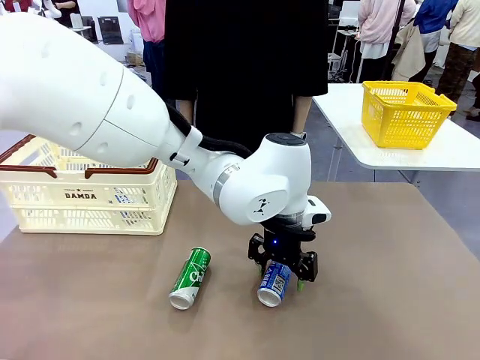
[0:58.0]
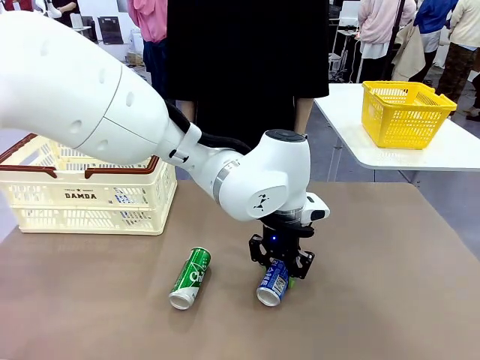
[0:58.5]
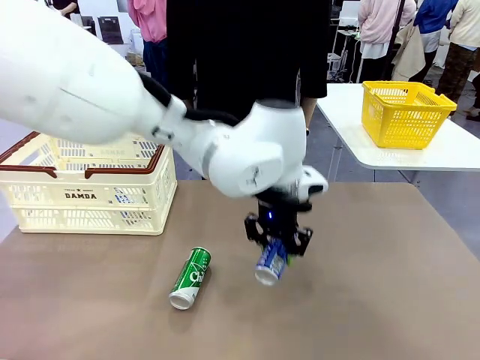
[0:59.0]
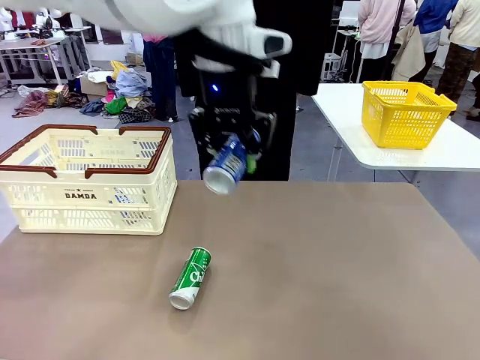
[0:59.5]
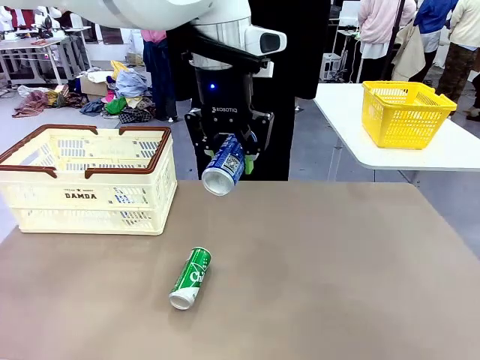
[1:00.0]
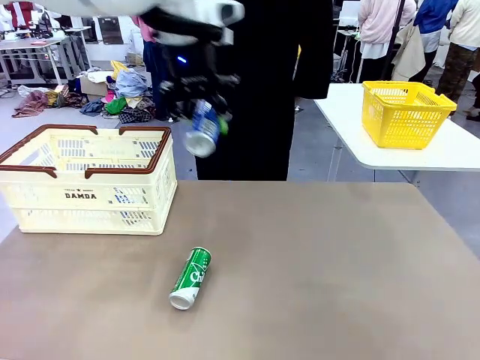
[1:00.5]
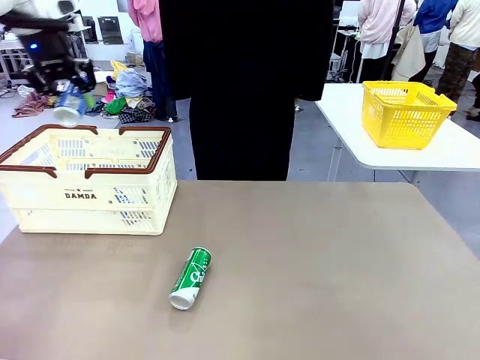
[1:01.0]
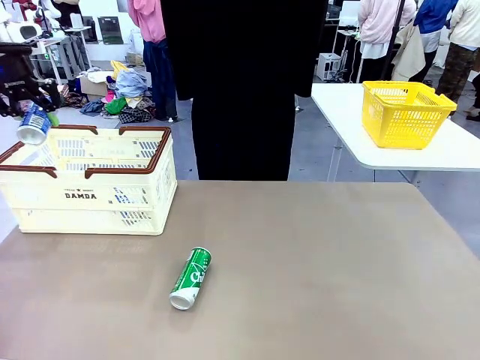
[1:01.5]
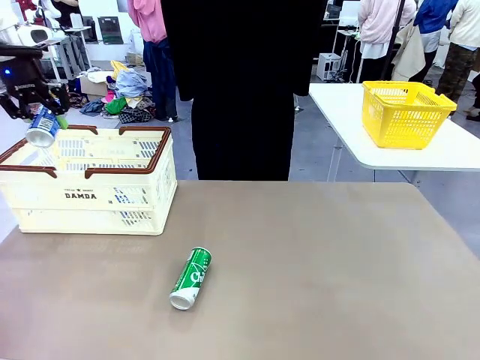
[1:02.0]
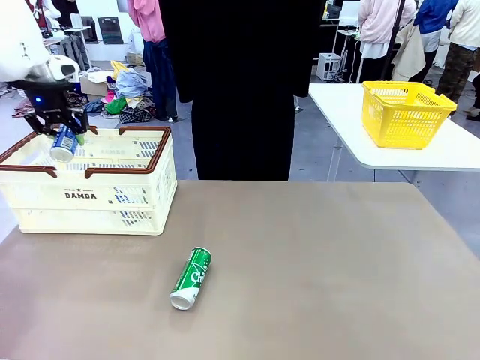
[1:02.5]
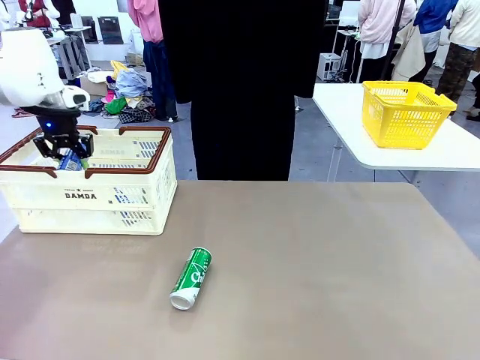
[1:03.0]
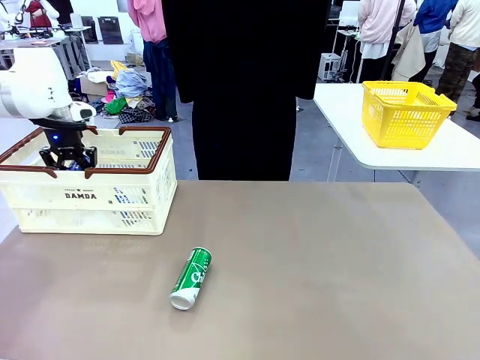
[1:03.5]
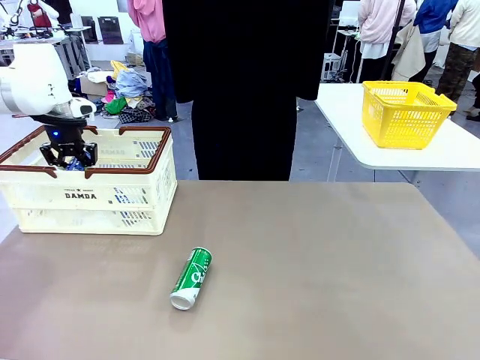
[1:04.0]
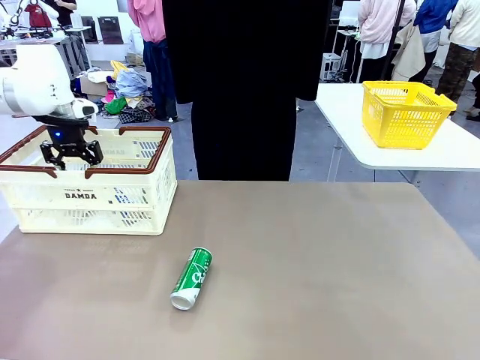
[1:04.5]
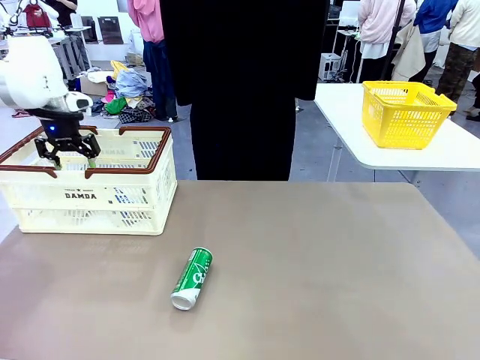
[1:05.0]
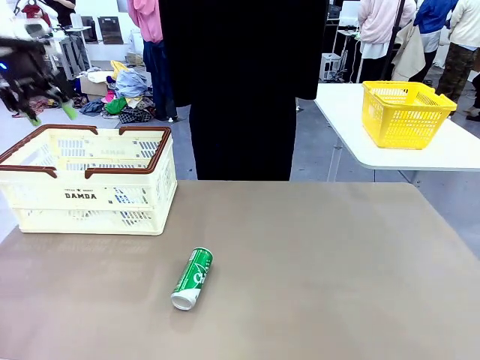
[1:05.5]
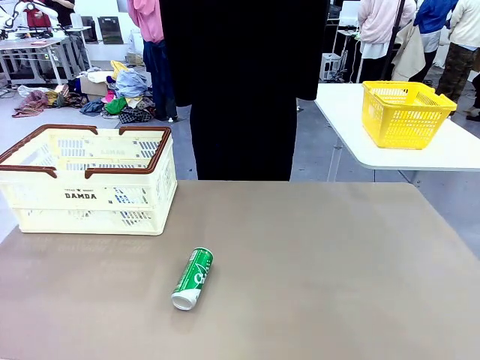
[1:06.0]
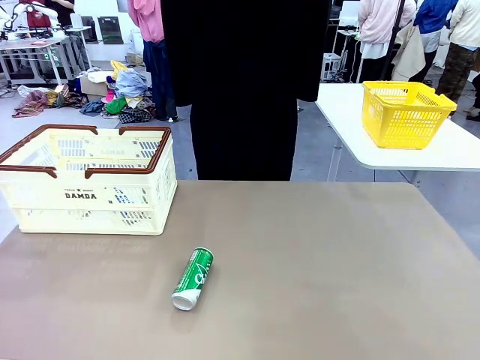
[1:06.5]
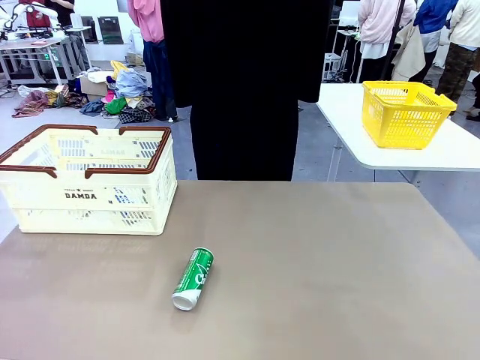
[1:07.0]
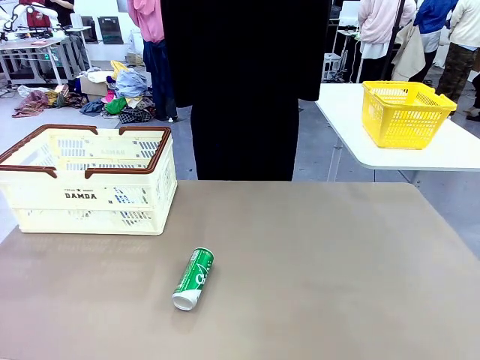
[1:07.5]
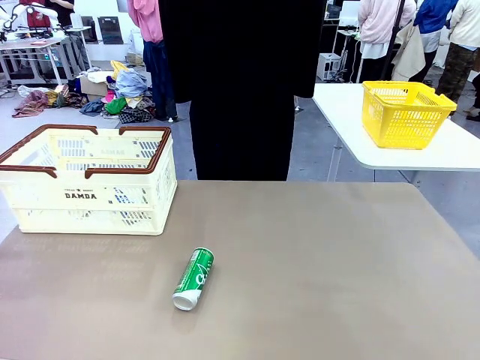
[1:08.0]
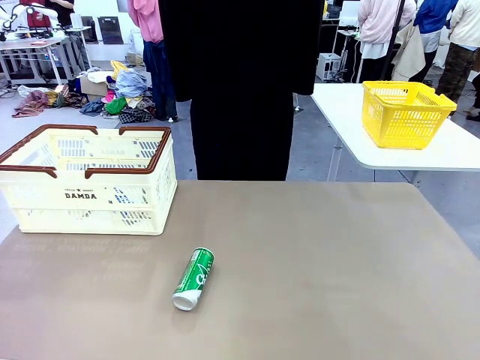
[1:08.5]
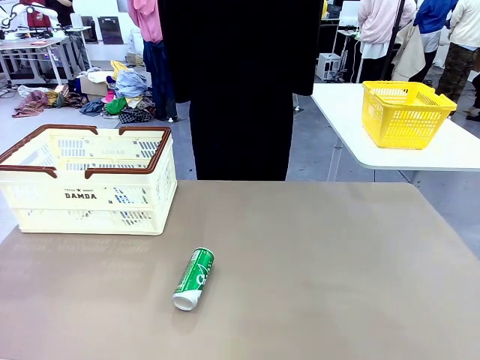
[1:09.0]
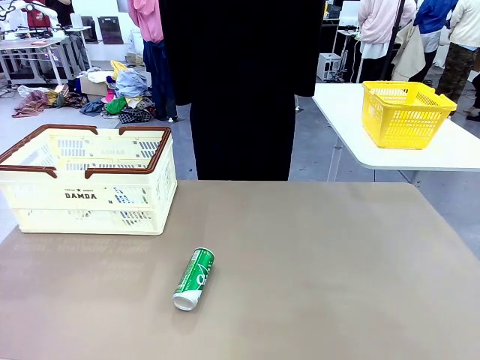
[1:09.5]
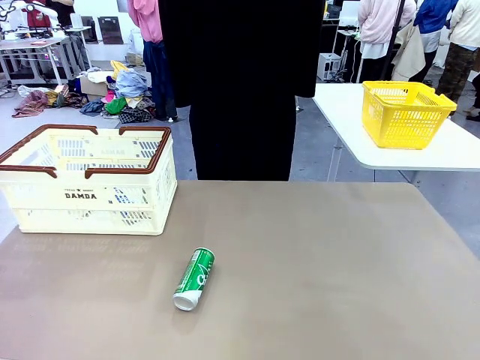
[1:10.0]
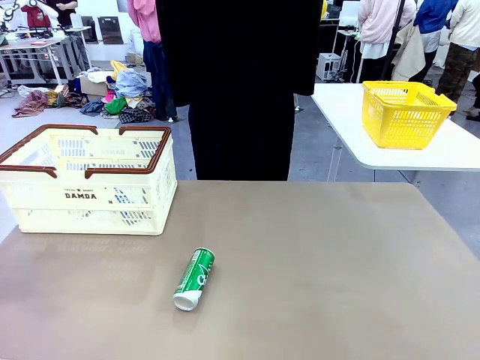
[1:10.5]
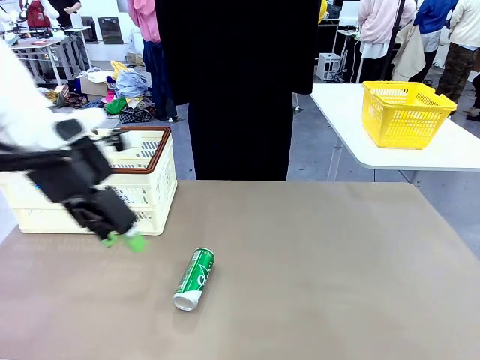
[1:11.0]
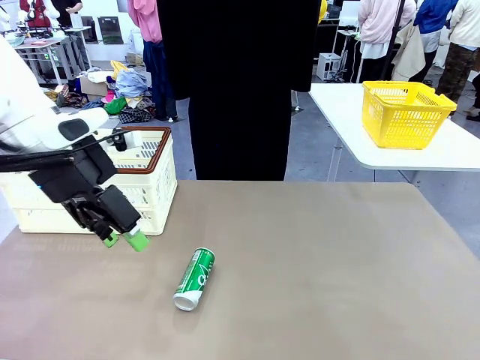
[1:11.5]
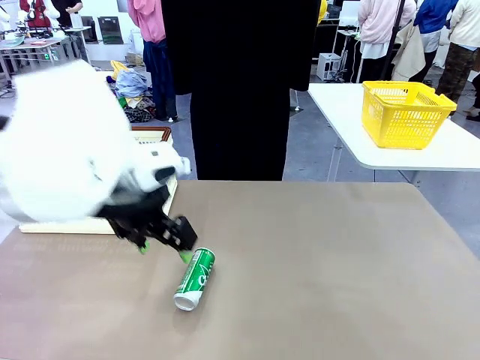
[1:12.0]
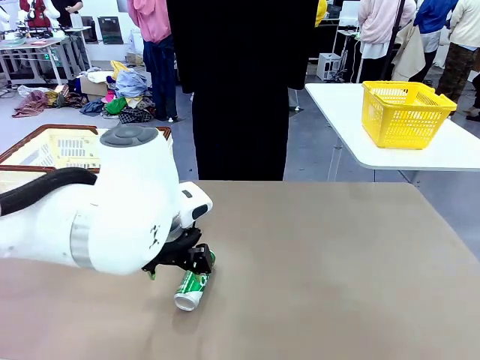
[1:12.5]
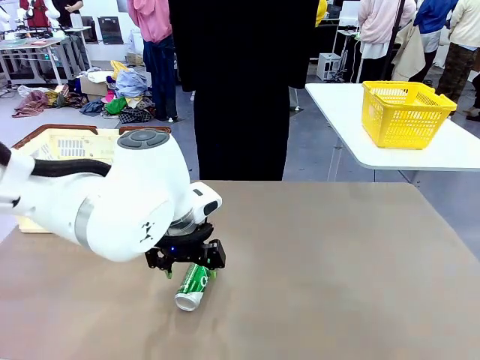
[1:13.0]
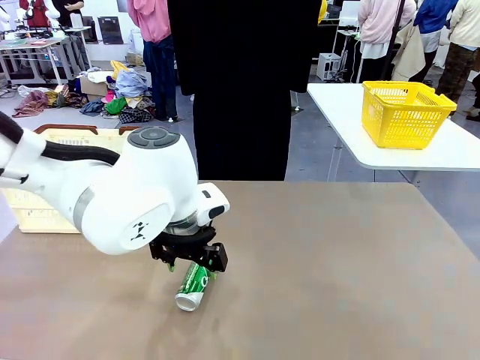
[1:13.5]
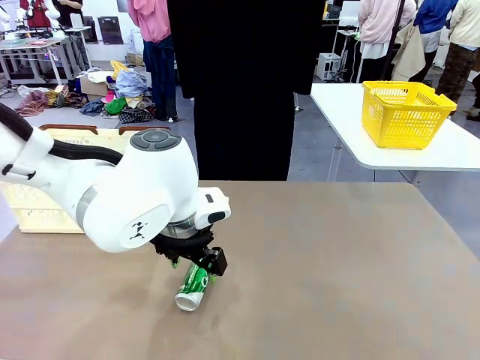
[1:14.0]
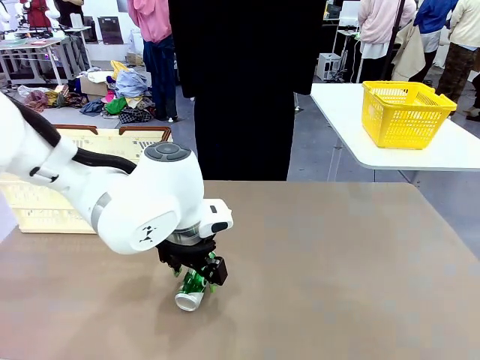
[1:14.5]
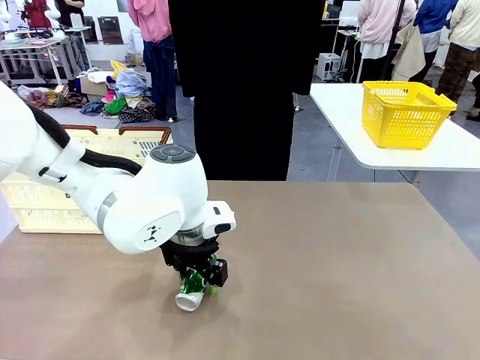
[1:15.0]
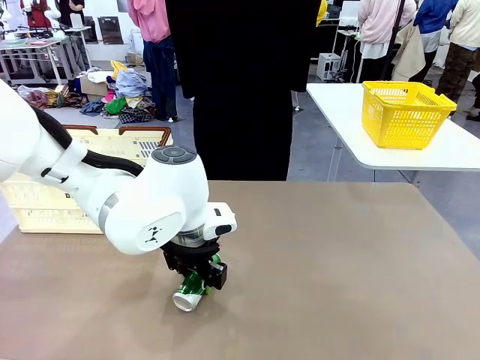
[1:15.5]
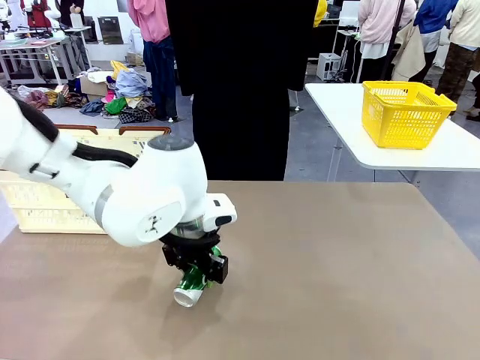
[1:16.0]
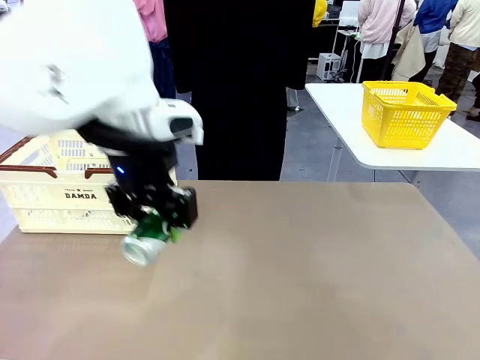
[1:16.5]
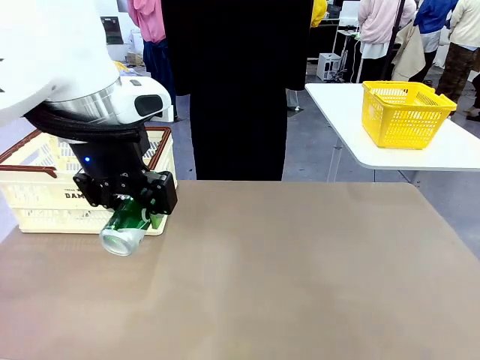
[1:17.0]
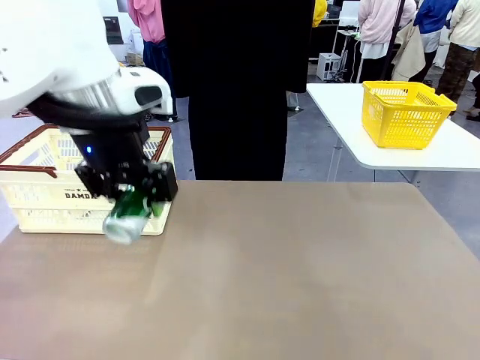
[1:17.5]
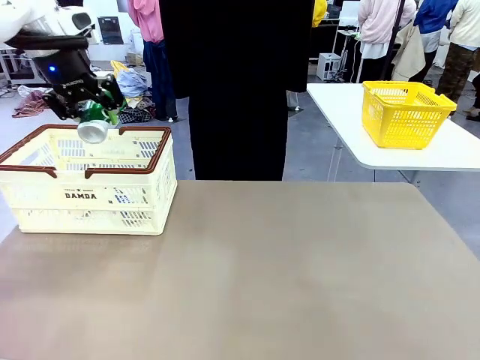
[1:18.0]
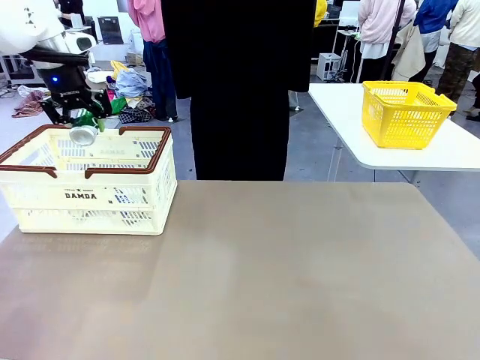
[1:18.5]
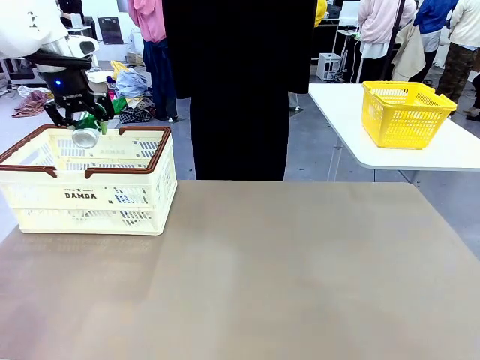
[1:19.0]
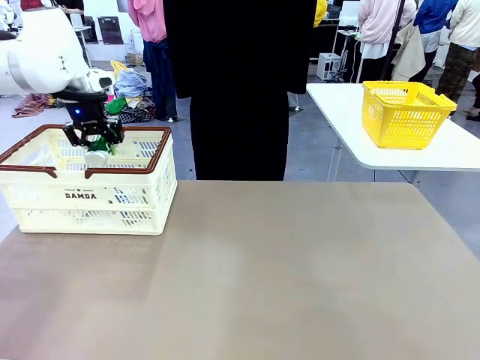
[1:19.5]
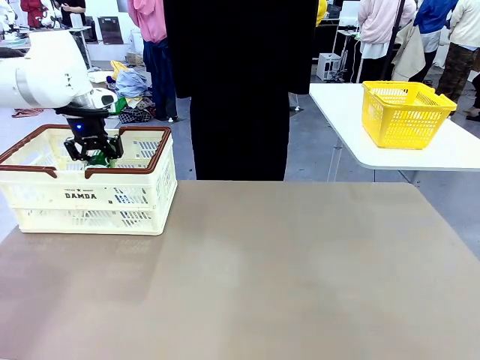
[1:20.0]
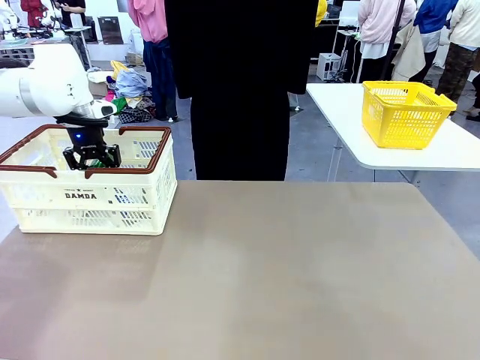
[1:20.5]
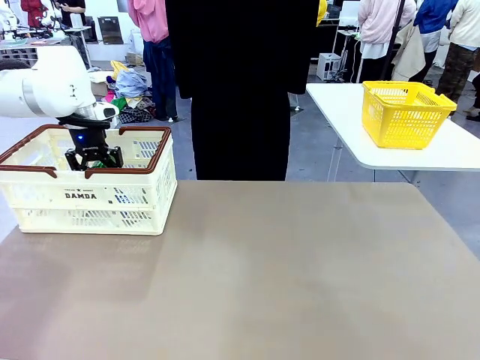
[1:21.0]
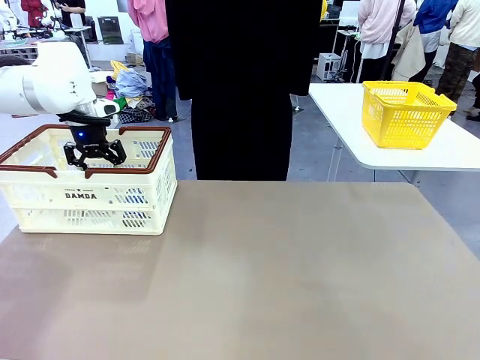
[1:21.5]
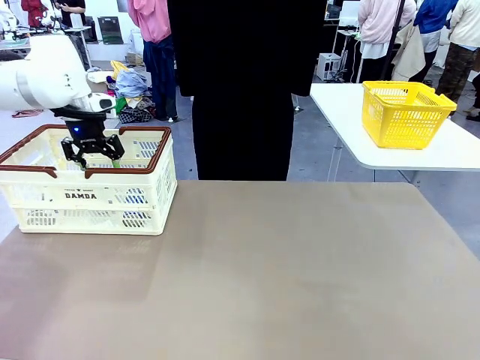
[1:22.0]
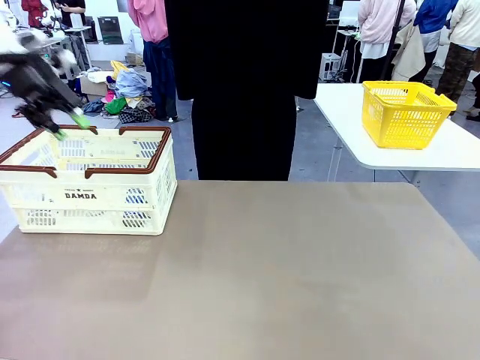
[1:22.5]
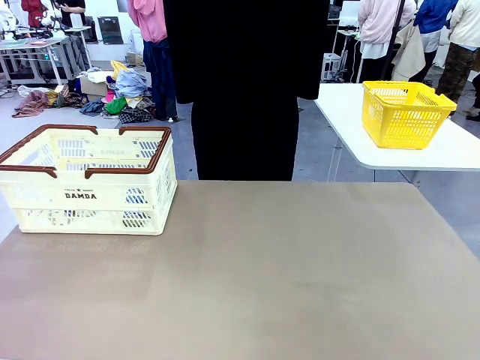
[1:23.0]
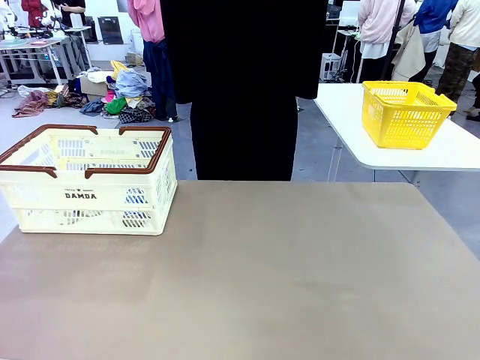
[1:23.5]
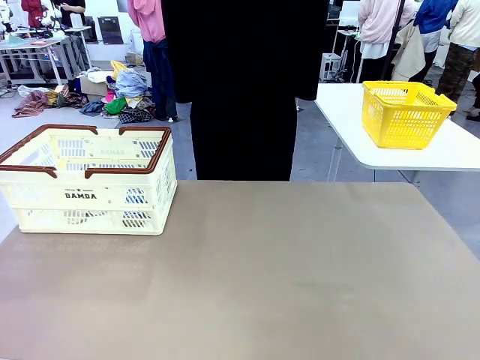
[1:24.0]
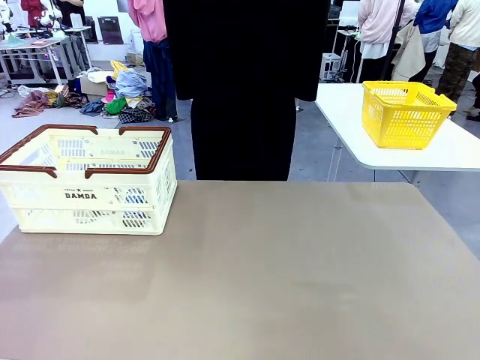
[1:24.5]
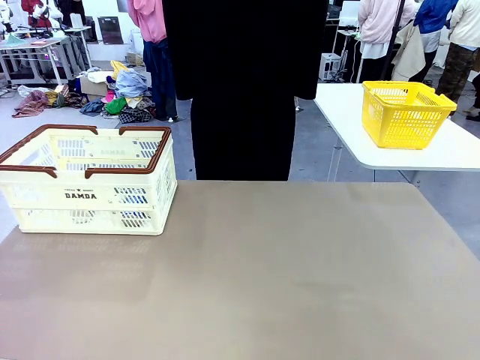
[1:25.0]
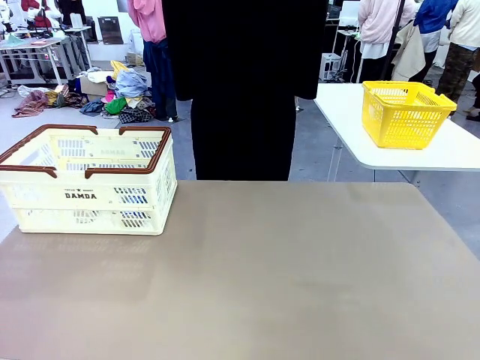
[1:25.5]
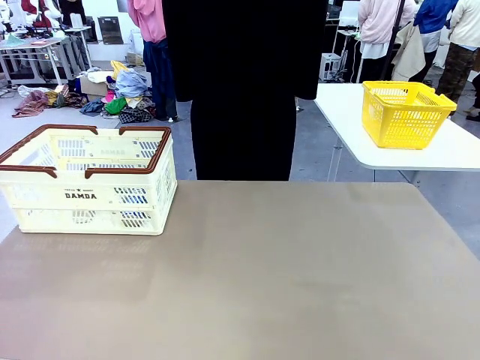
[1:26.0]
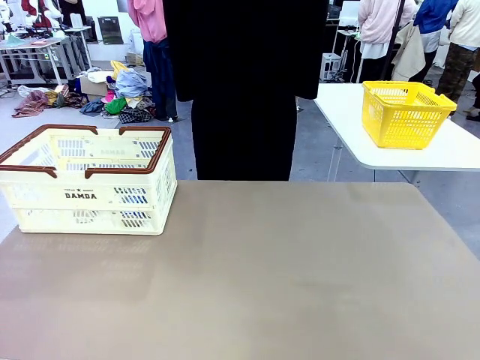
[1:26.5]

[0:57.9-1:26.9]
Task: Place the drinks into the Shopping basket.
Robot: Pick up one drink and place it into the Shopping basket.
